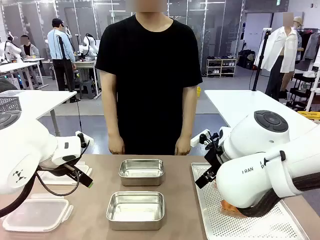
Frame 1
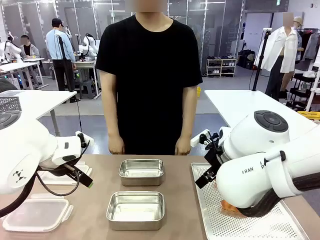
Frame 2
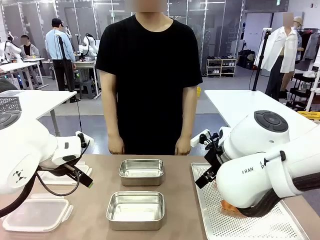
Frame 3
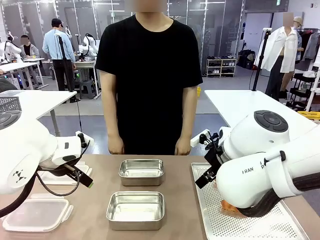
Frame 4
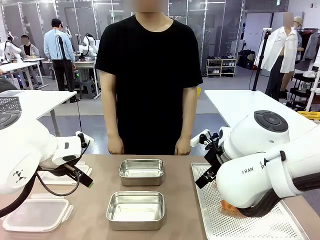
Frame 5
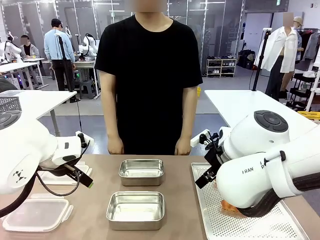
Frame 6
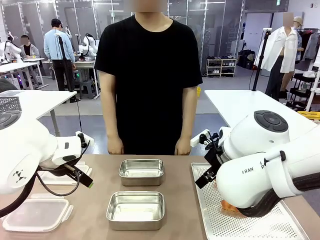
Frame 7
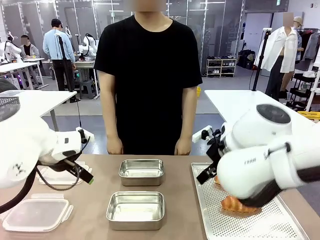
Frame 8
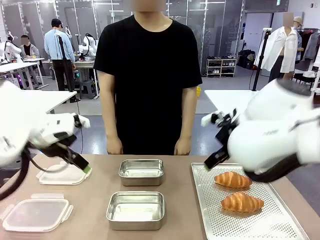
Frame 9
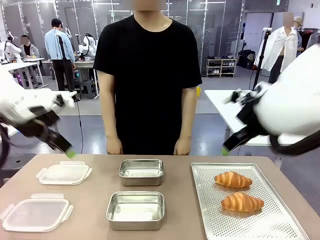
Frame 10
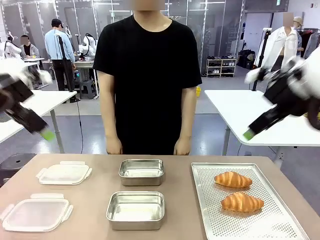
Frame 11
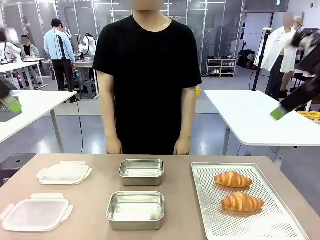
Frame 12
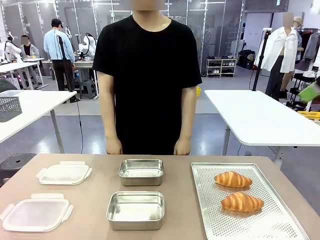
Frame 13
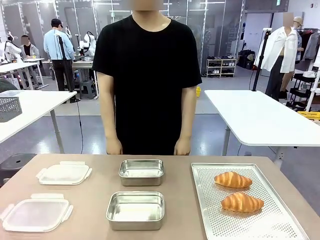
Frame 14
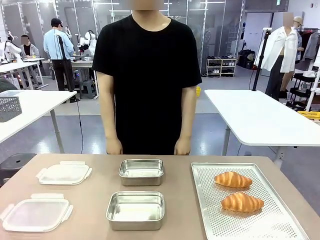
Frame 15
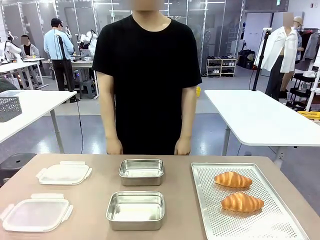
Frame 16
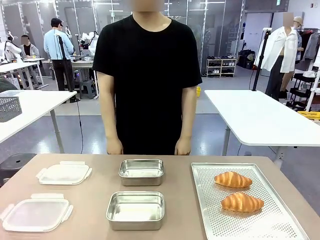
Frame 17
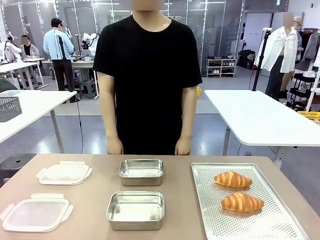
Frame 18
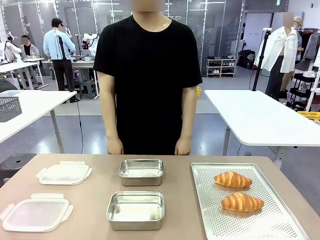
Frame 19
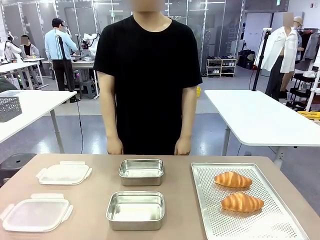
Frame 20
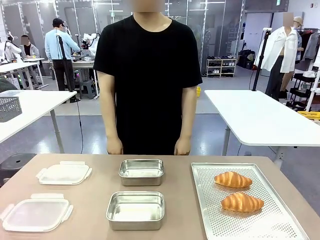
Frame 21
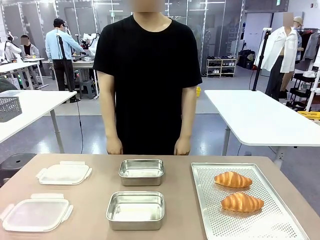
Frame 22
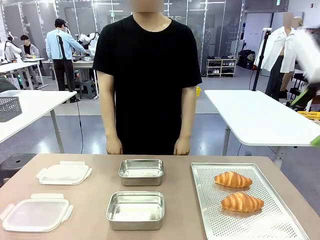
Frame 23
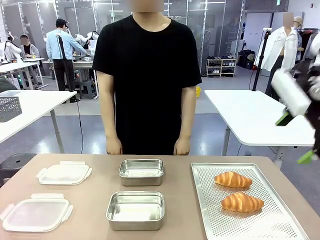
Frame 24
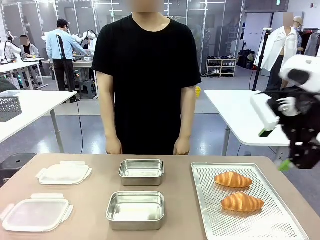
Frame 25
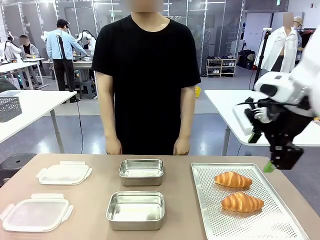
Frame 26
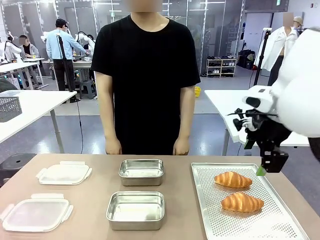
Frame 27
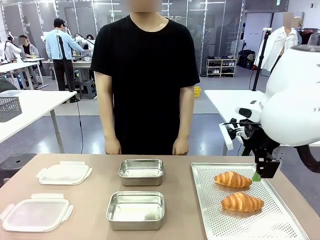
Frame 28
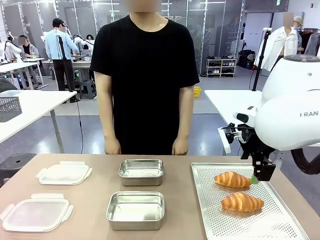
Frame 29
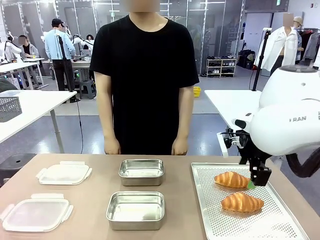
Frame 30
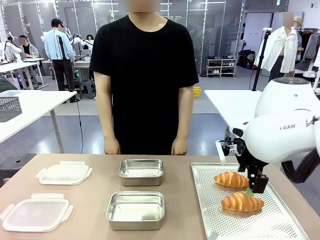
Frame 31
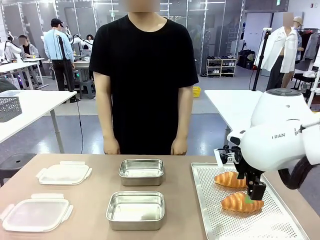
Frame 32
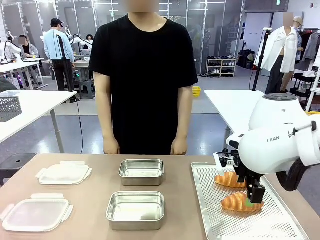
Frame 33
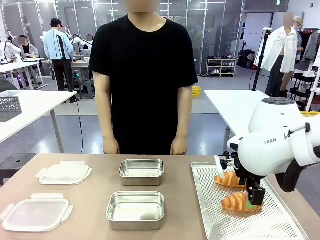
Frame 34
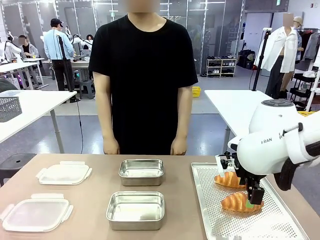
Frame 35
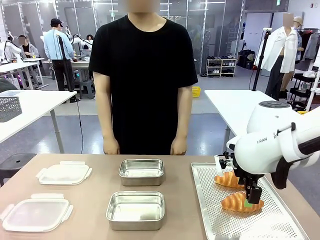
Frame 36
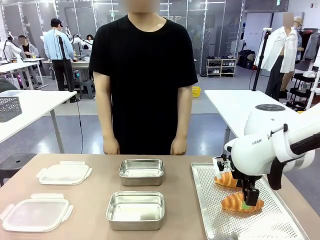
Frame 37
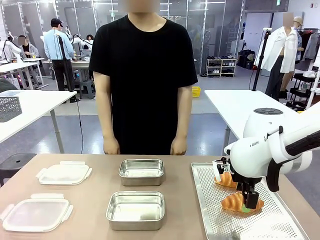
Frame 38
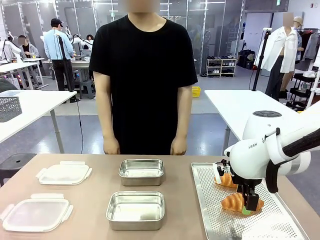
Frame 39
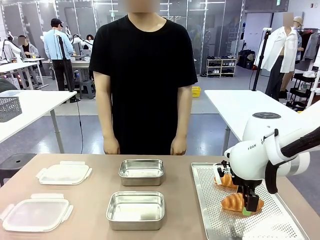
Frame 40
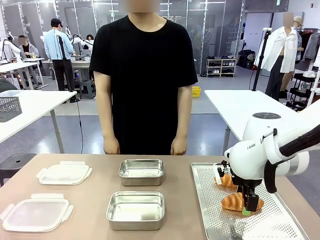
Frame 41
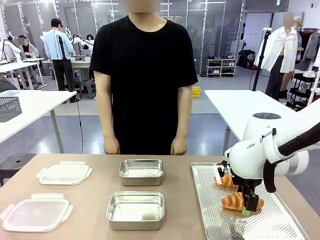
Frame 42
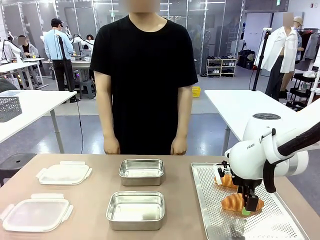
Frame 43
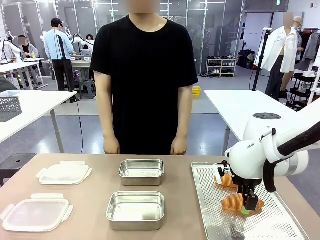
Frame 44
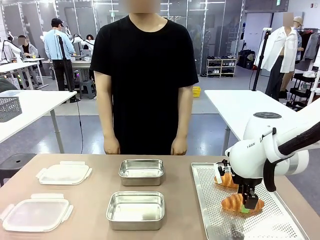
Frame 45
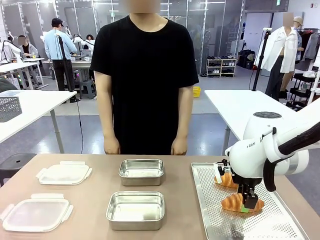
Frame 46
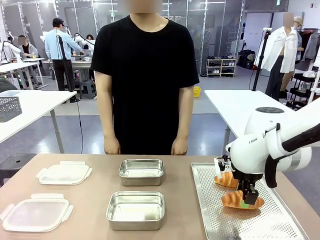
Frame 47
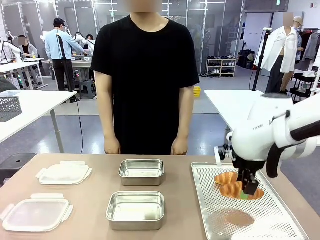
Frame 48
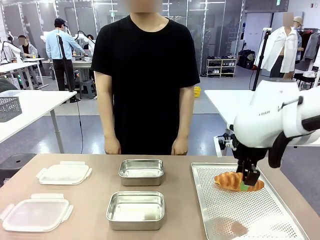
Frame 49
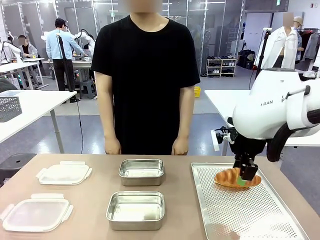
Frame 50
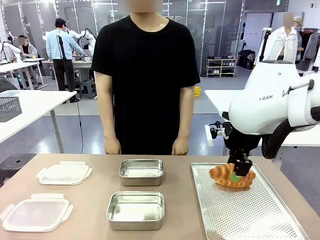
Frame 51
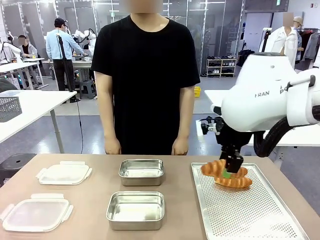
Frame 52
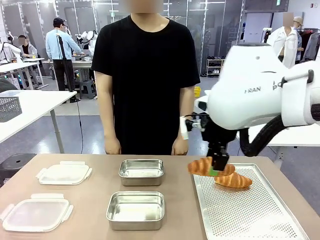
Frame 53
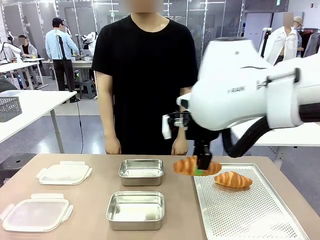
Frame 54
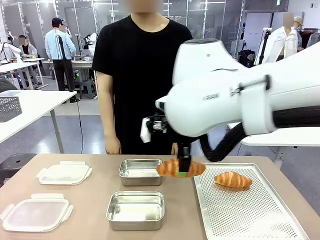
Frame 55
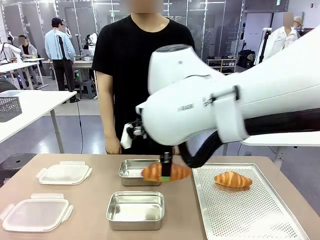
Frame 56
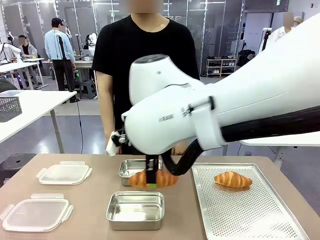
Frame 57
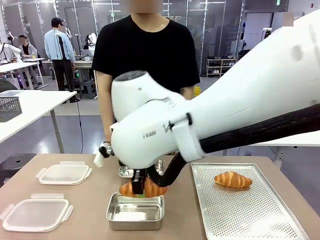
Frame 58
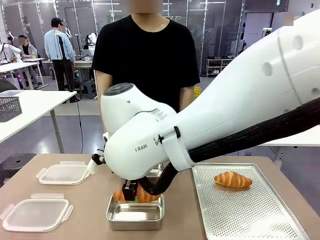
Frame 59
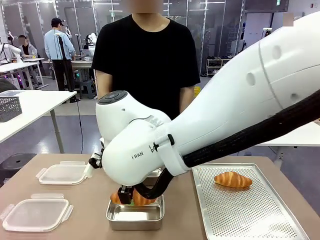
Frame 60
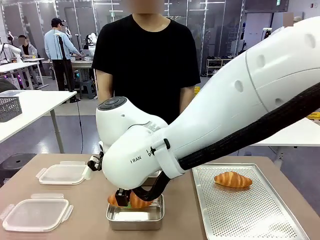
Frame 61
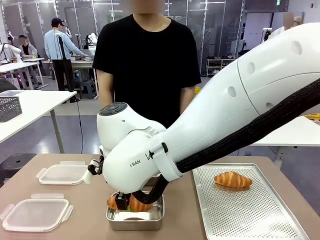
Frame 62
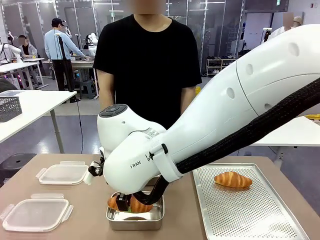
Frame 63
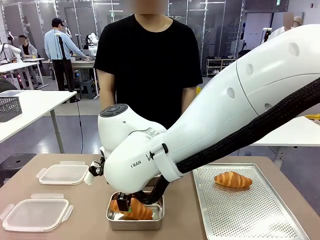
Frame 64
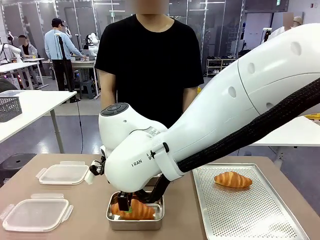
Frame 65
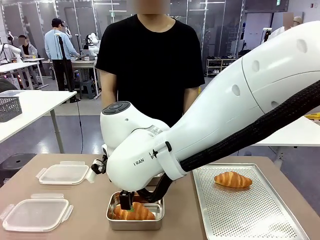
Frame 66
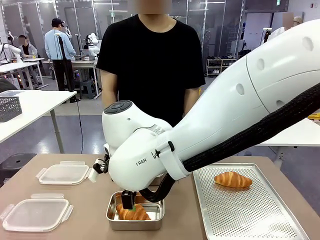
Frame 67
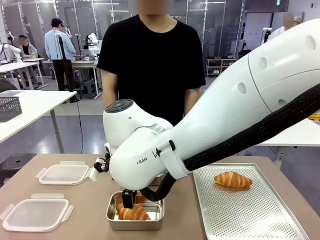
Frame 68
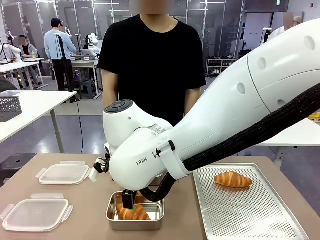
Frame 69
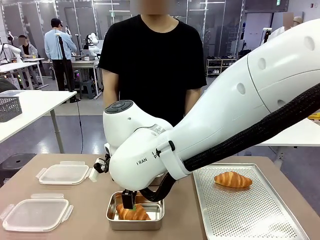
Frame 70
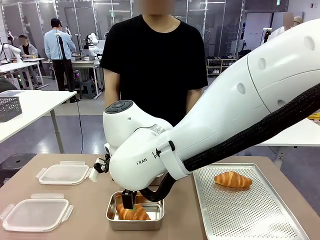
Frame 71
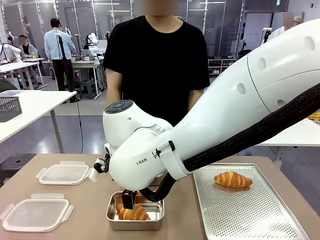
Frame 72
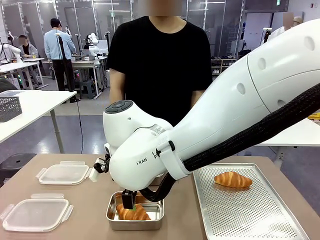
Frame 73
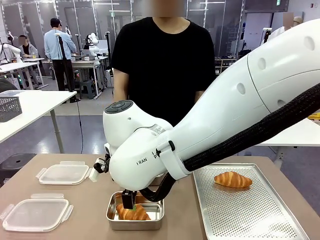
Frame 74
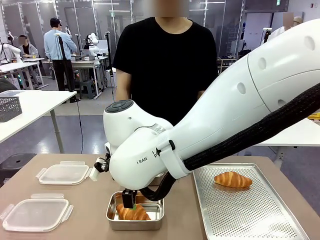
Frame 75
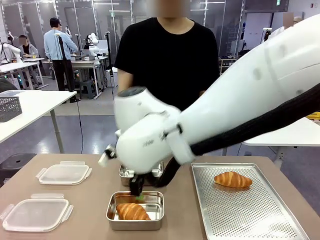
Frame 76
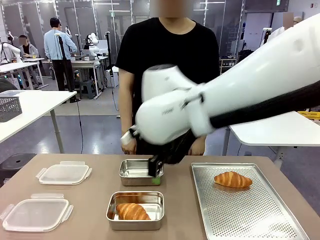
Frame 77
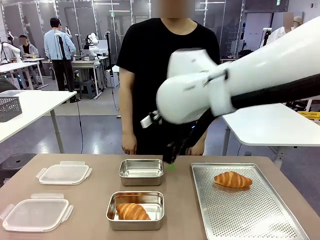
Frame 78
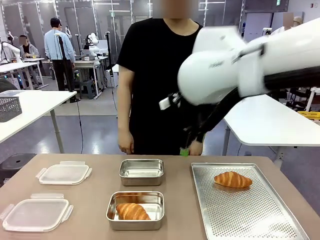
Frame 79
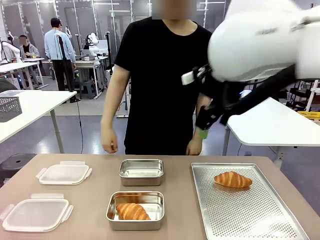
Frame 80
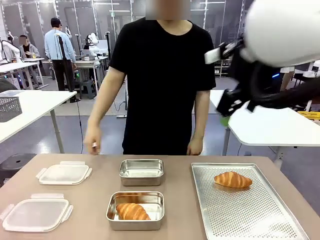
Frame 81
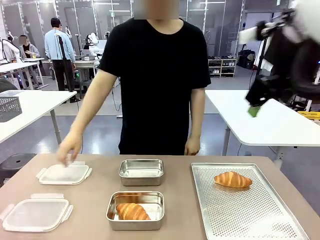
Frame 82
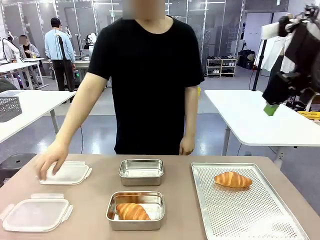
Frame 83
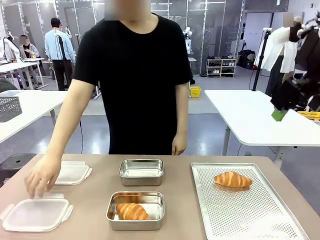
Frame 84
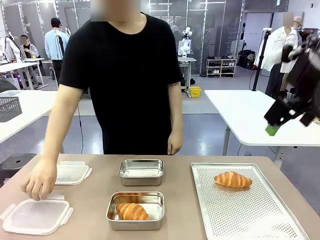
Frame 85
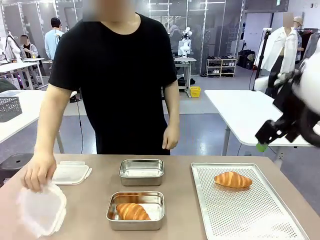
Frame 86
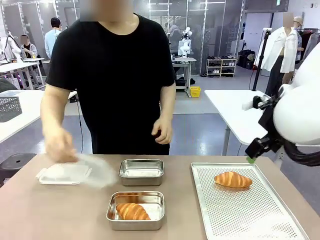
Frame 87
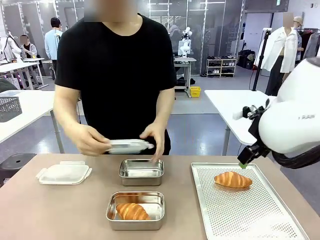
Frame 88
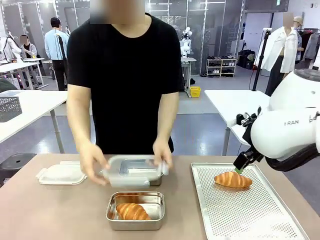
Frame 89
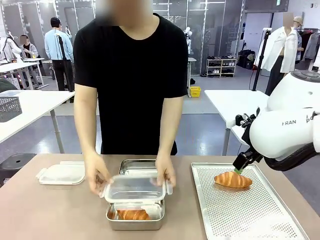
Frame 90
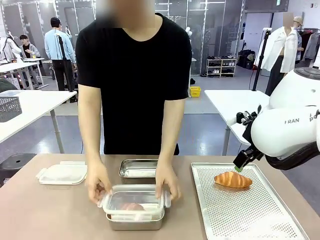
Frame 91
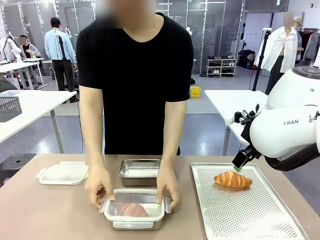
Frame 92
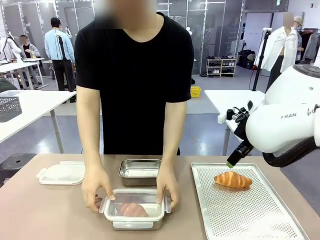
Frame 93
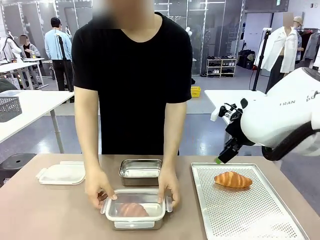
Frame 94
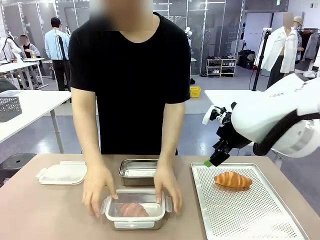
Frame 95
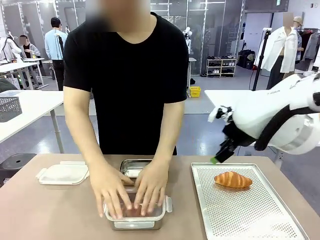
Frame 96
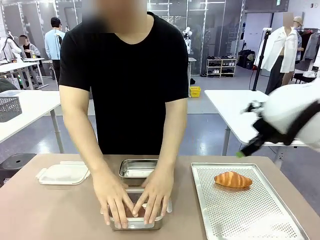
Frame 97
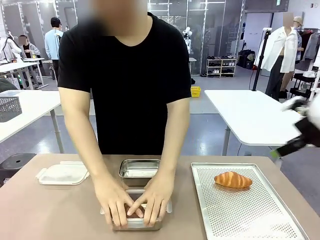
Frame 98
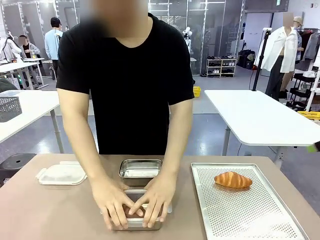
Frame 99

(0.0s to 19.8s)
Task: Place the bread into the airtight container.
Robot: Pick up a Butter Roll and place it into an empty Airtight Container.
